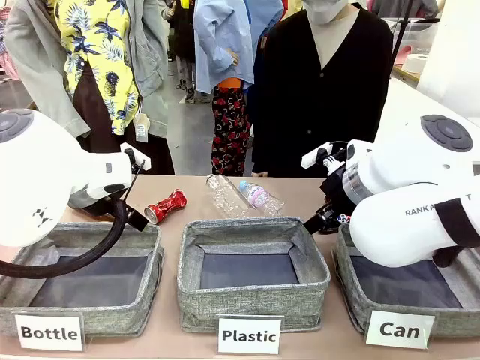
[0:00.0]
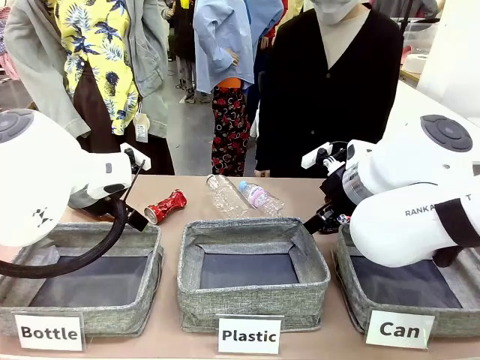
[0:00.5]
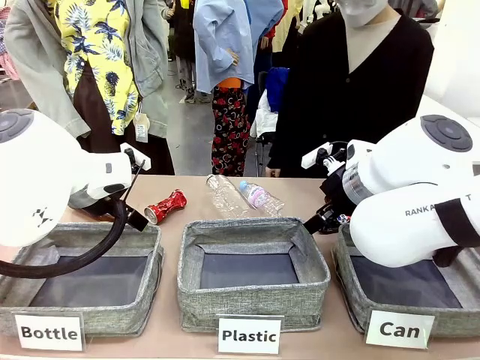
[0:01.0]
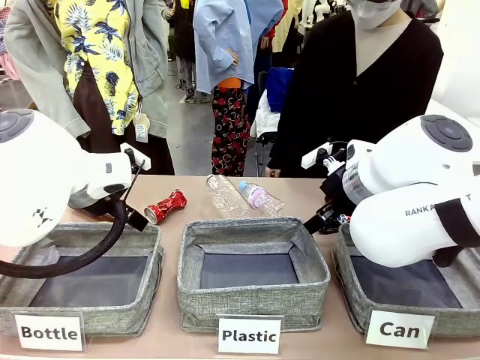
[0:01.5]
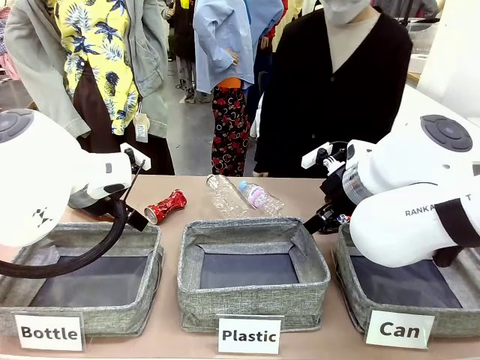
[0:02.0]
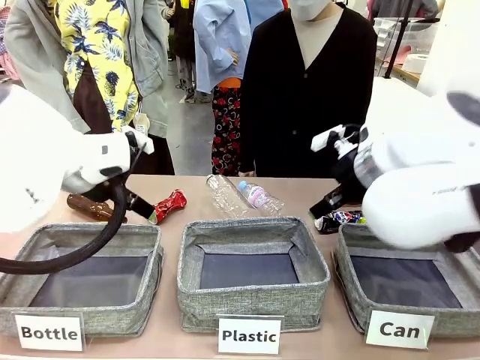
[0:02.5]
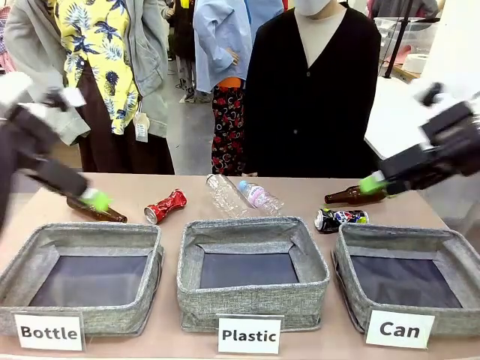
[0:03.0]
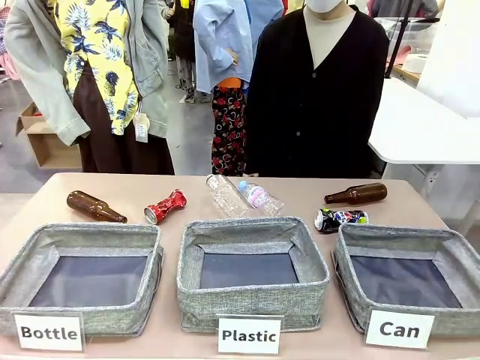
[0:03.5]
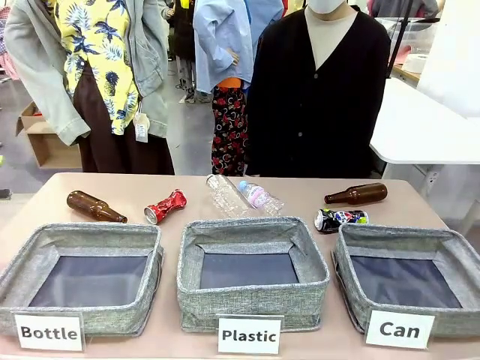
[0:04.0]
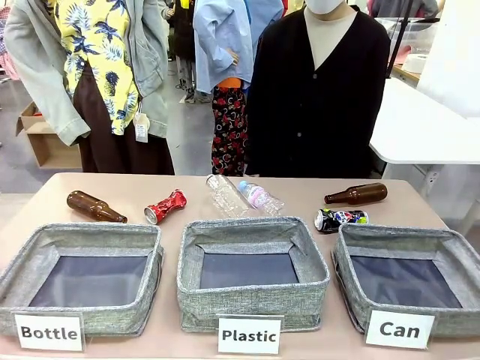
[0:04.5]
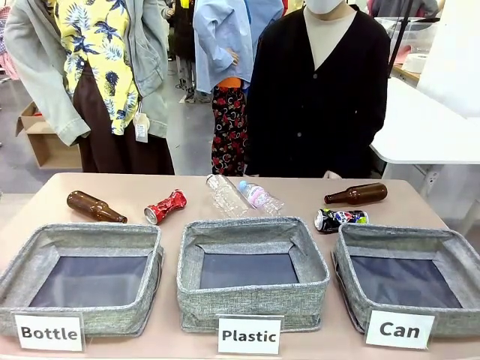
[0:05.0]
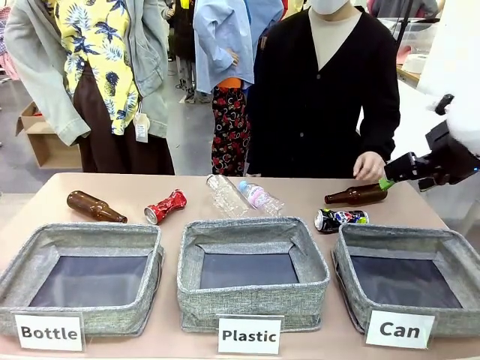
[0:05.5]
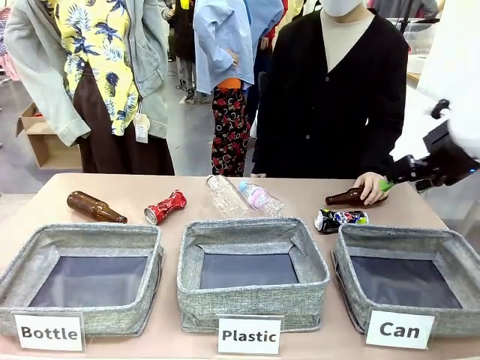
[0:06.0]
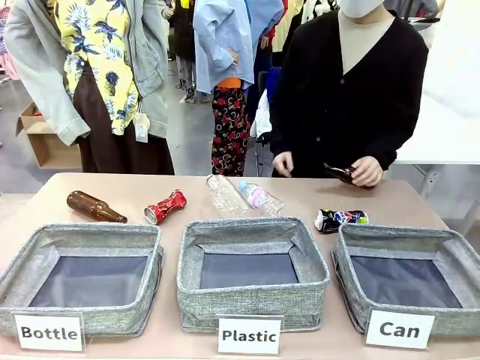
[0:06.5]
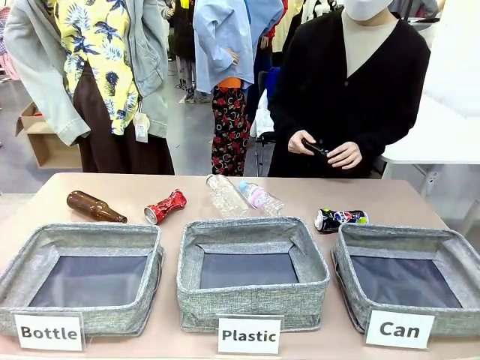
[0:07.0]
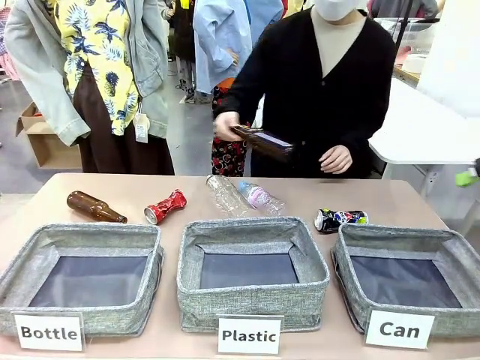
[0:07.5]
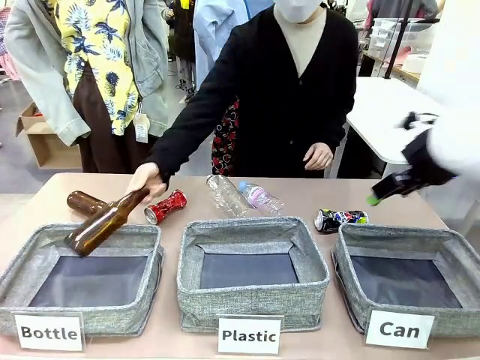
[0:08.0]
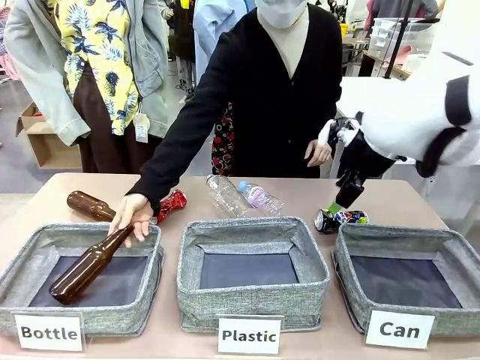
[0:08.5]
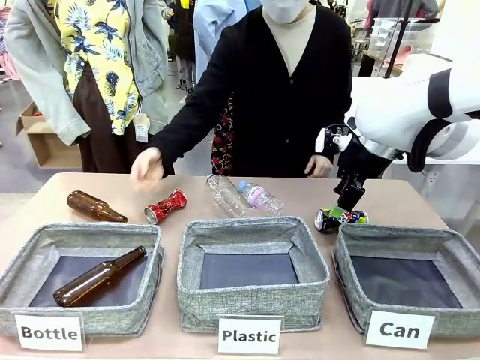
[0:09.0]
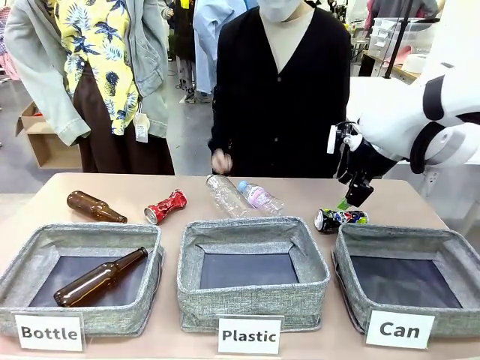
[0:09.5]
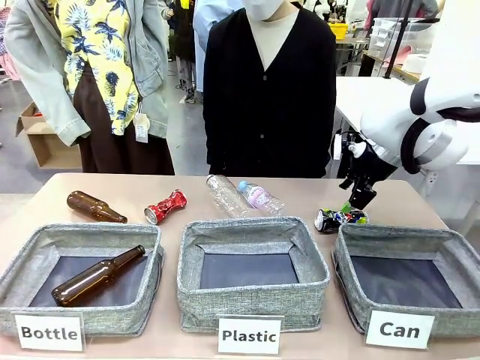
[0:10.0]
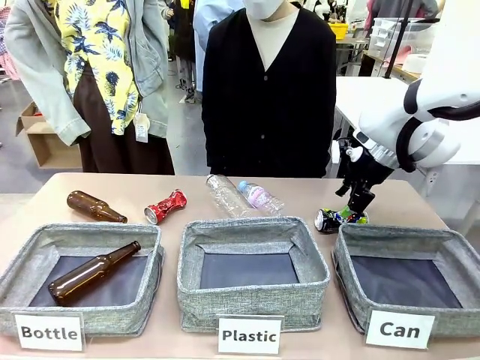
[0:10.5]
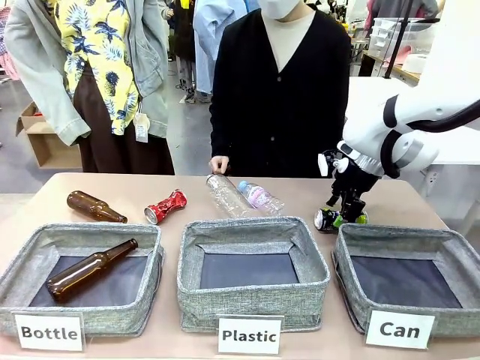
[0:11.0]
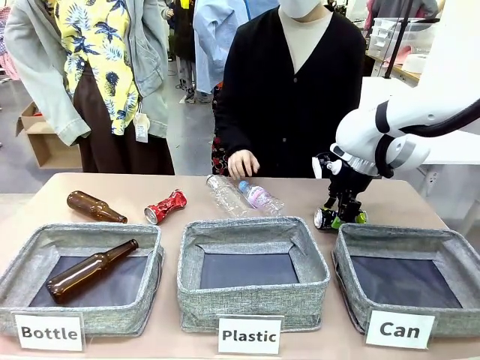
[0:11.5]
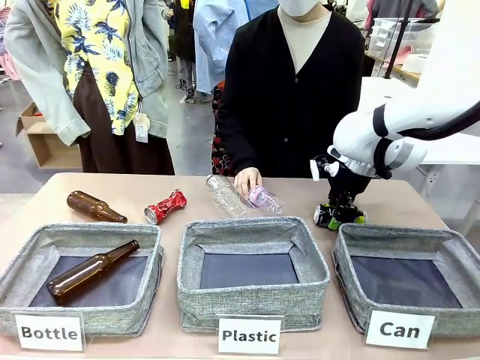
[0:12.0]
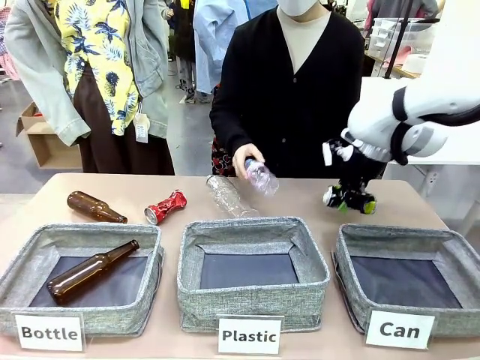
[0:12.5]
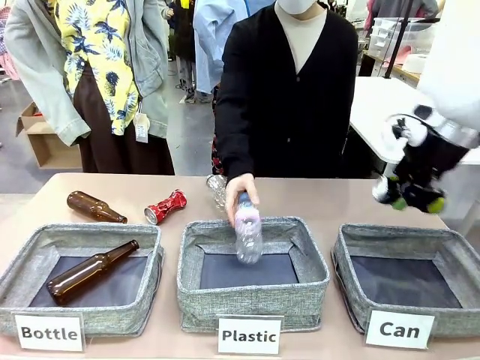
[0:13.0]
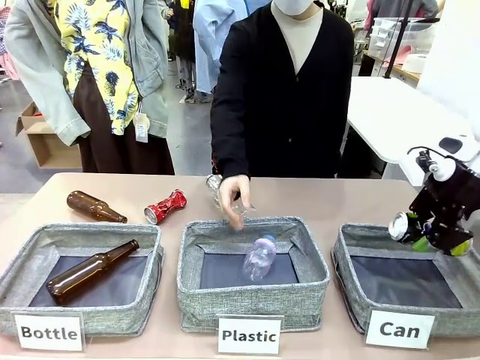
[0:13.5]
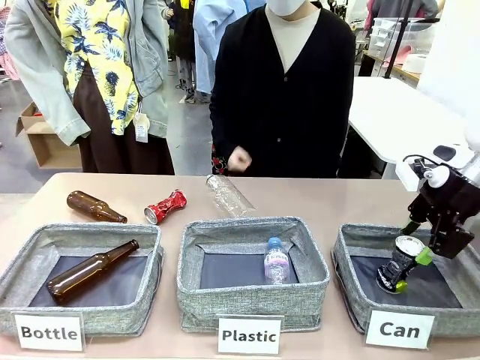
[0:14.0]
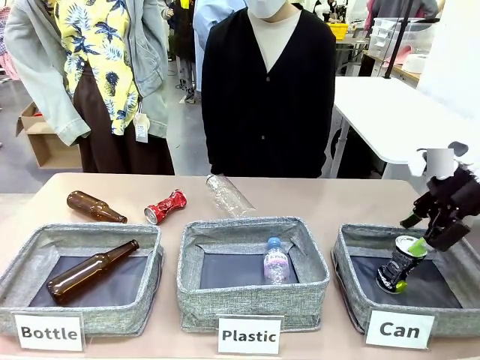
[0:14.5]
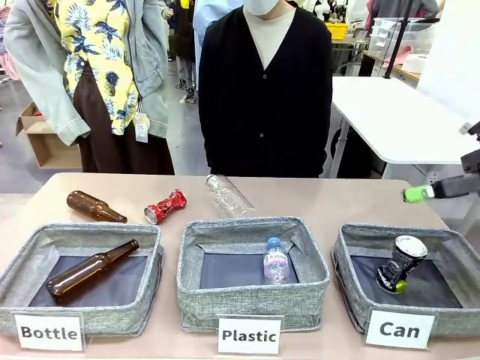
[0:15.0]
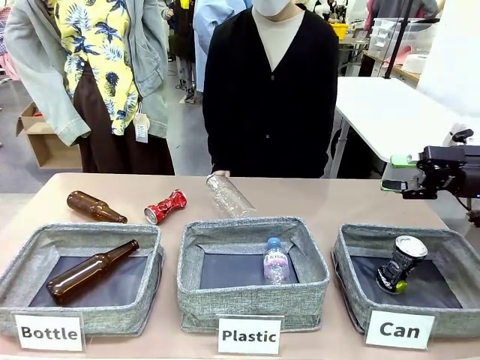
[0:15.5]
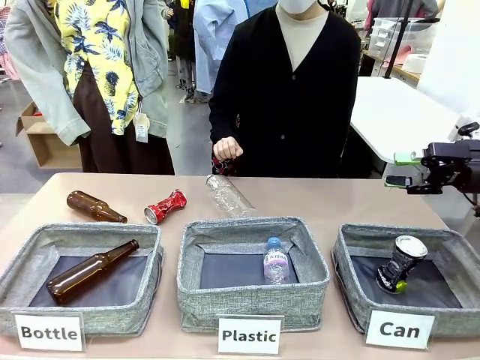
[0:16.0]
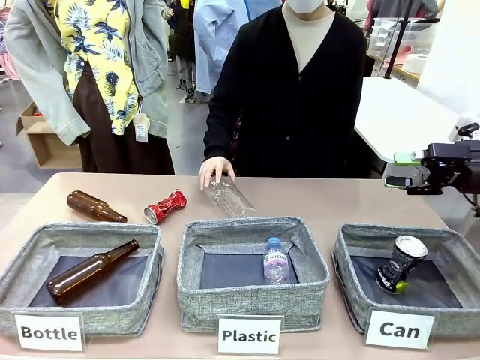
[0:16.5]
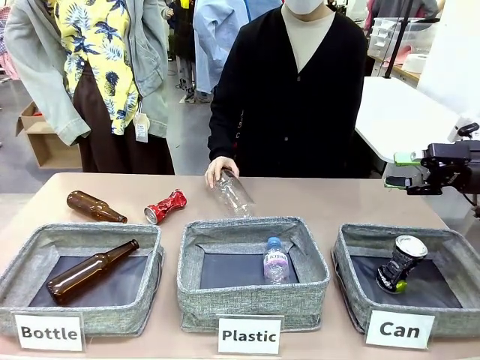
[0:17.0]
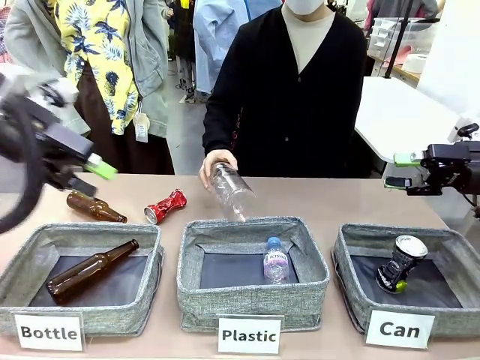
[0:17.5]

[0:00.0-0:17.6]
Task: Sort the can waste into the basket.
Robot: Pick up the can waste from the table and place it in the right Fabric basket.
